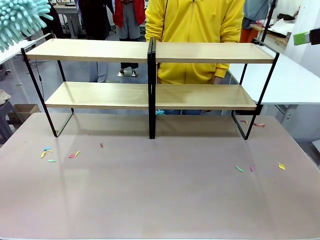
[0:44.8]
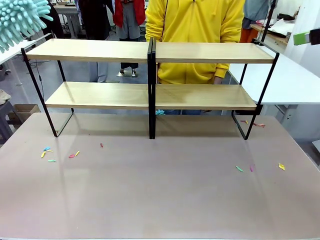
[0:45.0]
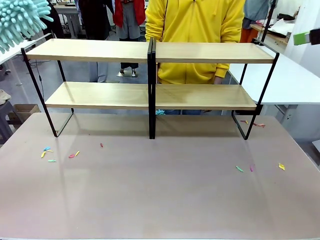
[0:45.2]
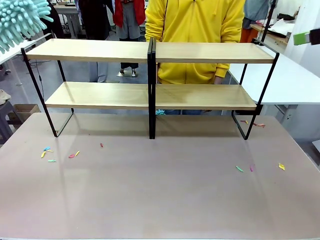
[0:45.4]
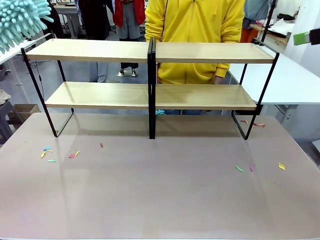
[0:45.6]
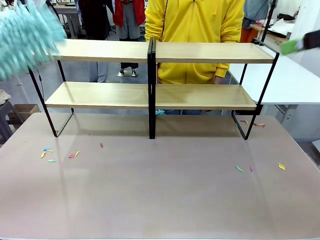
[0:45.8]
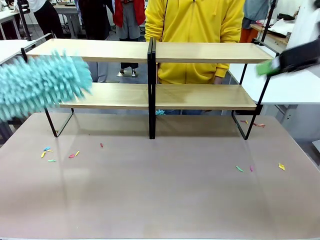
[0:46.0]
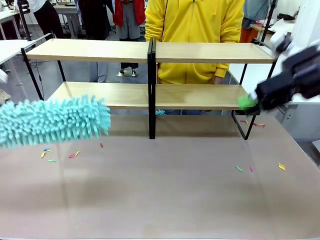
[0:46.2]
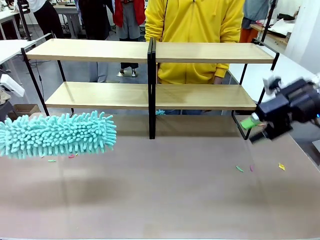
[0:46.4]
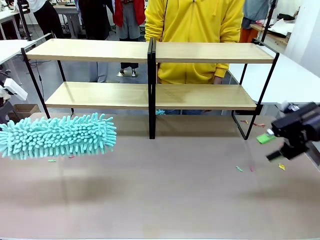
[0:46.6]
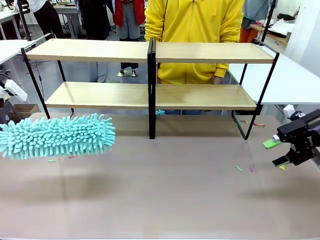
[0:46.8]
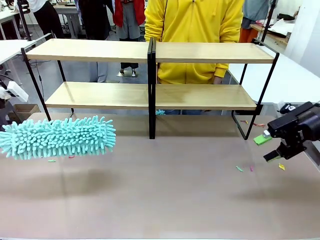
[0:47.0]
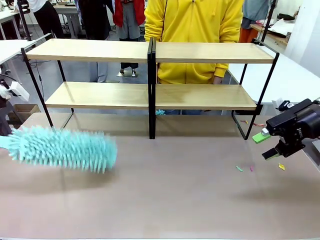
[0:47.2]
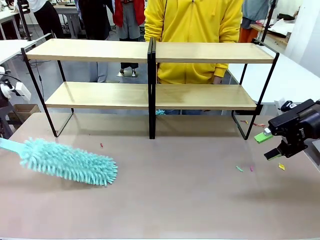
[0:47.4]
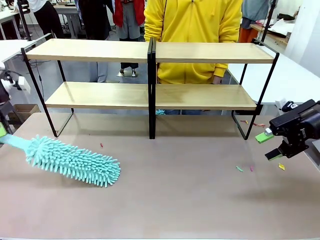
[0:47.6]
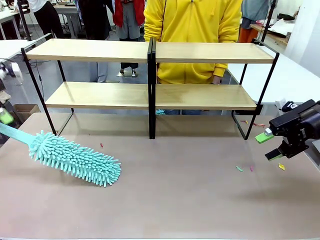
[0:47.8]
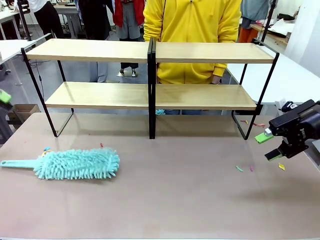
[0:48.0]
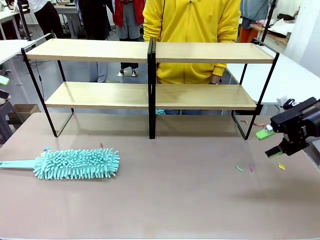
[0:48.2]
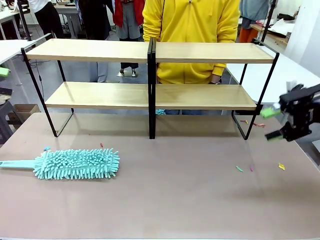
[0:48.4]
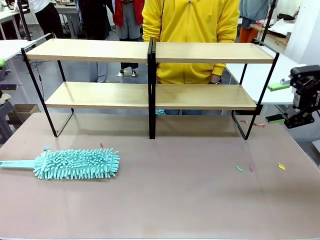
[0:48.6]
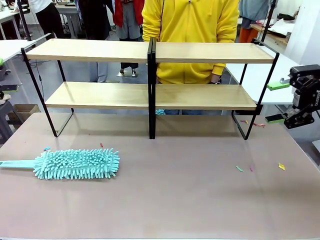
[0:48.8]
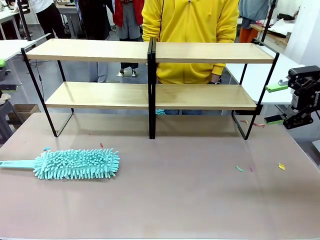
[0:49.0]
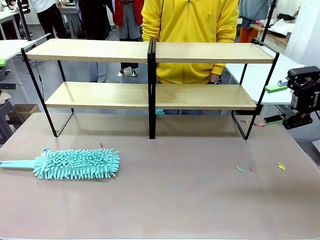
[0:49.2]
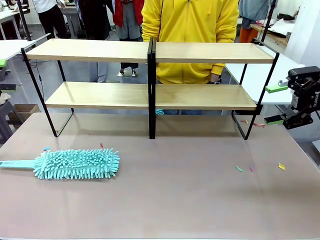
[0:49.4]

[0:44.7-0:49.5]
Task: Clean the shelves.
Robot: Place the Duster on the table.

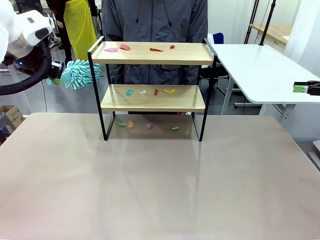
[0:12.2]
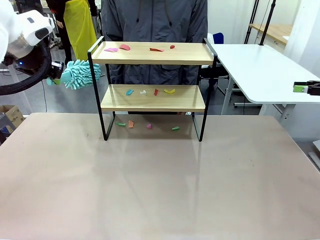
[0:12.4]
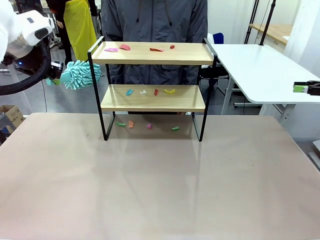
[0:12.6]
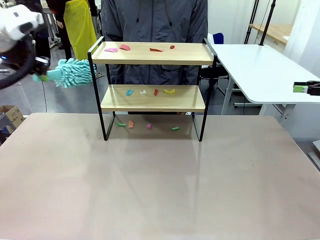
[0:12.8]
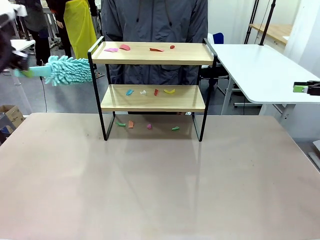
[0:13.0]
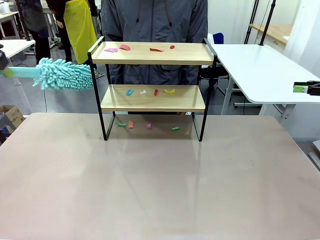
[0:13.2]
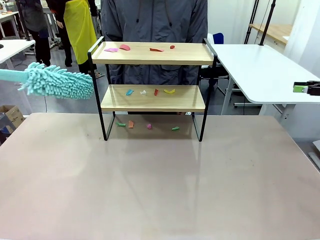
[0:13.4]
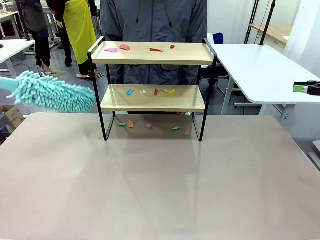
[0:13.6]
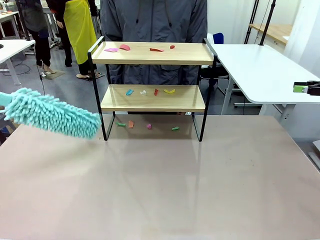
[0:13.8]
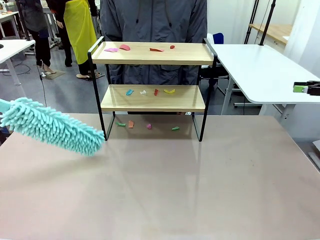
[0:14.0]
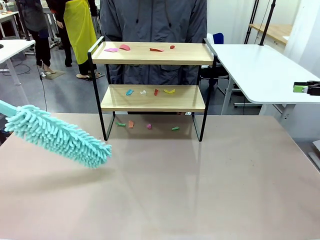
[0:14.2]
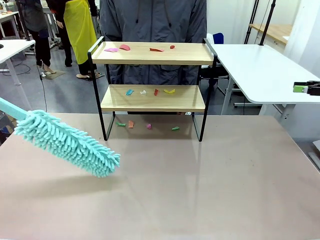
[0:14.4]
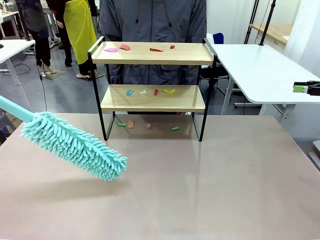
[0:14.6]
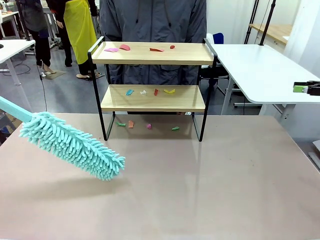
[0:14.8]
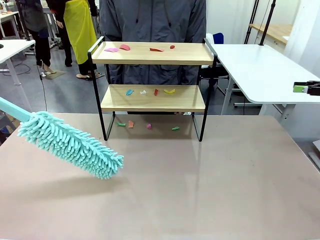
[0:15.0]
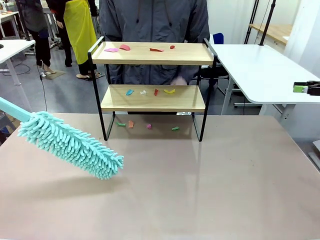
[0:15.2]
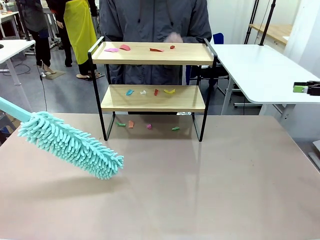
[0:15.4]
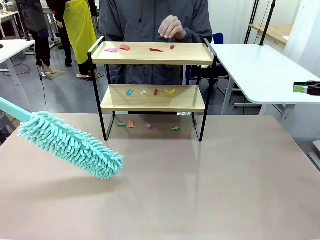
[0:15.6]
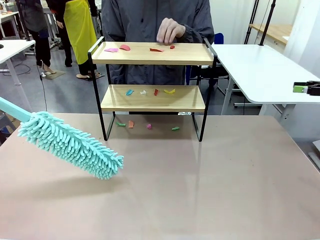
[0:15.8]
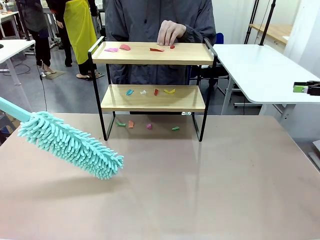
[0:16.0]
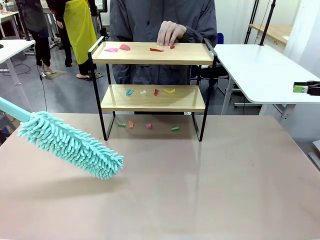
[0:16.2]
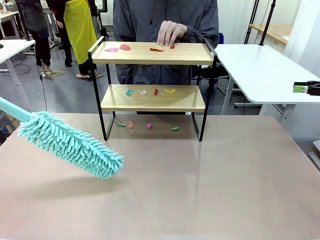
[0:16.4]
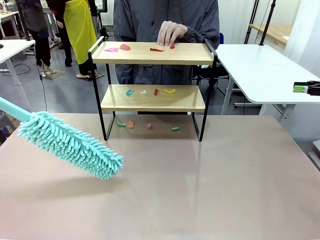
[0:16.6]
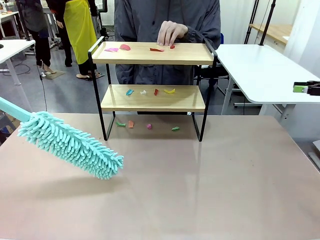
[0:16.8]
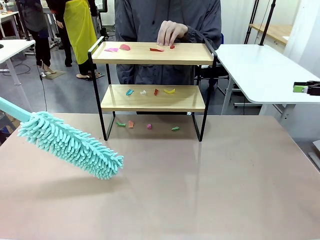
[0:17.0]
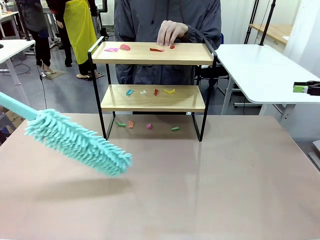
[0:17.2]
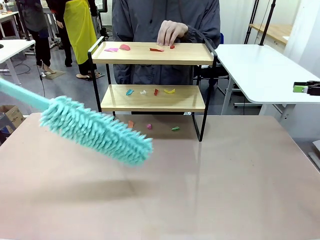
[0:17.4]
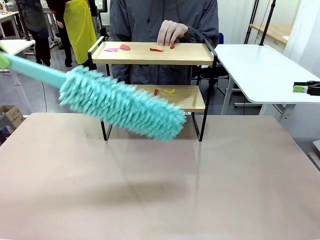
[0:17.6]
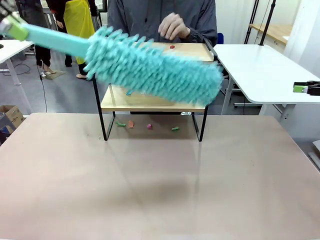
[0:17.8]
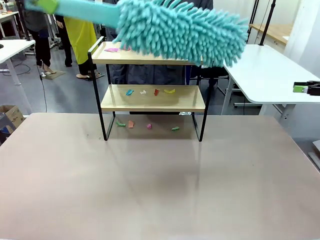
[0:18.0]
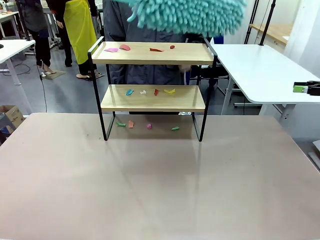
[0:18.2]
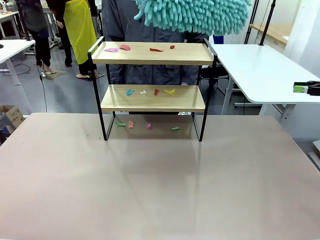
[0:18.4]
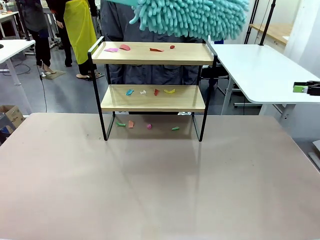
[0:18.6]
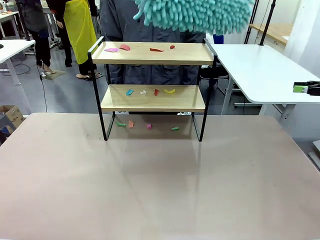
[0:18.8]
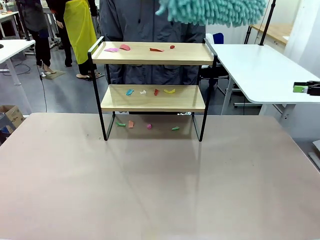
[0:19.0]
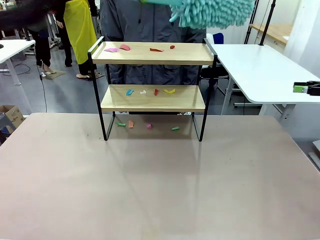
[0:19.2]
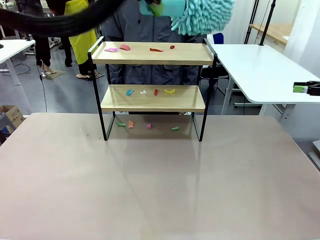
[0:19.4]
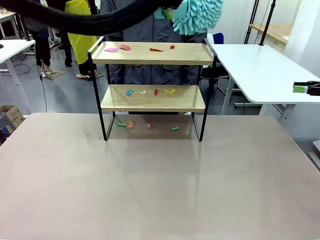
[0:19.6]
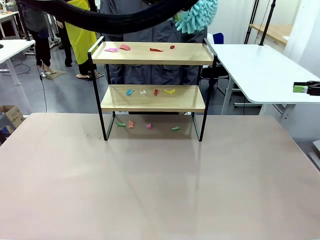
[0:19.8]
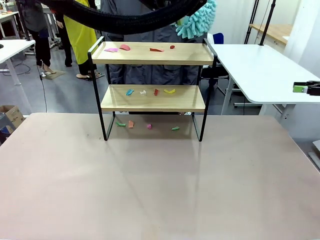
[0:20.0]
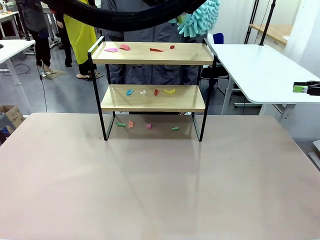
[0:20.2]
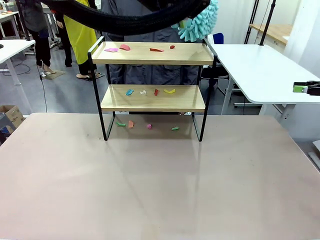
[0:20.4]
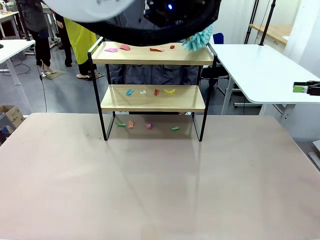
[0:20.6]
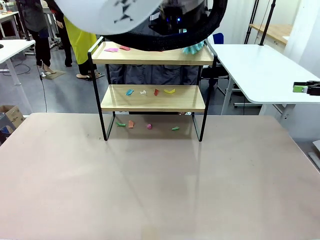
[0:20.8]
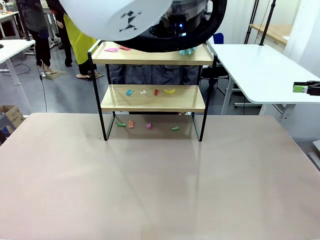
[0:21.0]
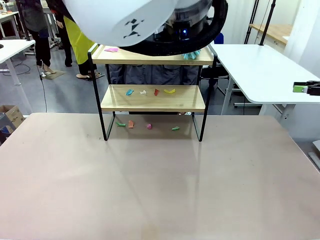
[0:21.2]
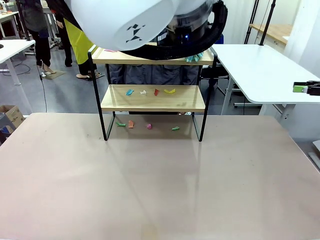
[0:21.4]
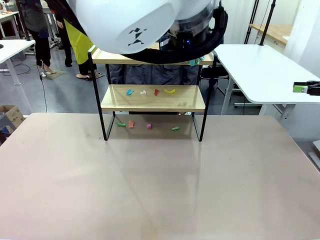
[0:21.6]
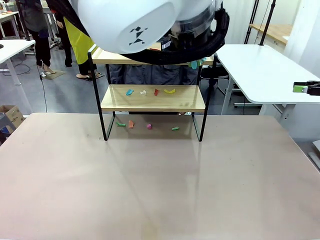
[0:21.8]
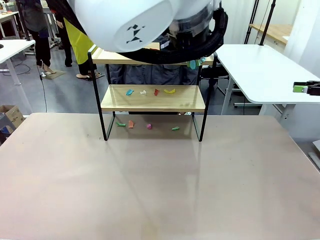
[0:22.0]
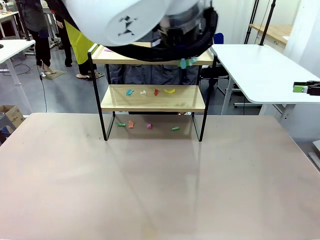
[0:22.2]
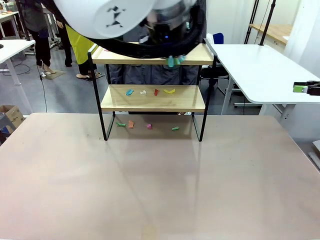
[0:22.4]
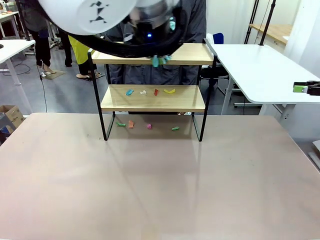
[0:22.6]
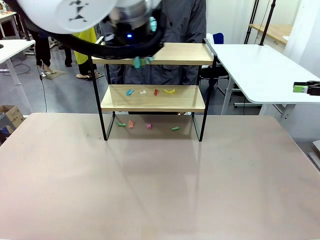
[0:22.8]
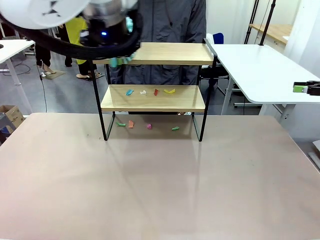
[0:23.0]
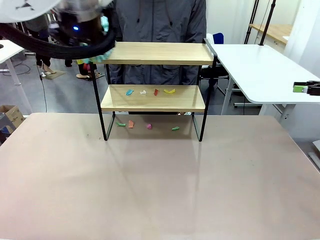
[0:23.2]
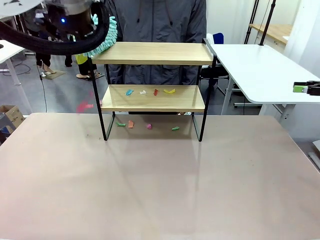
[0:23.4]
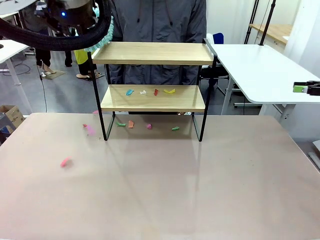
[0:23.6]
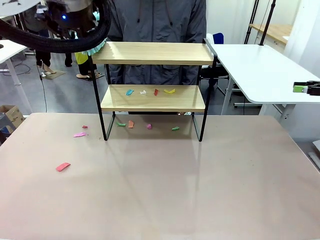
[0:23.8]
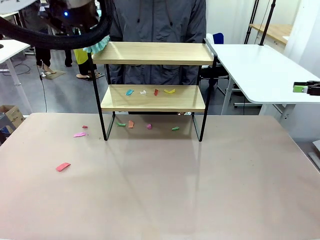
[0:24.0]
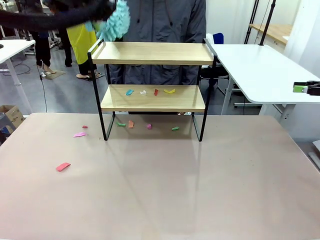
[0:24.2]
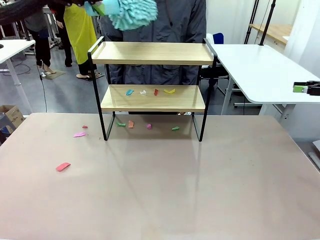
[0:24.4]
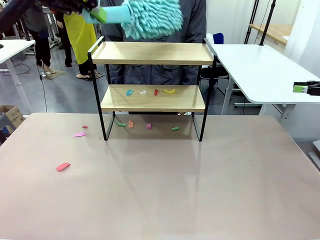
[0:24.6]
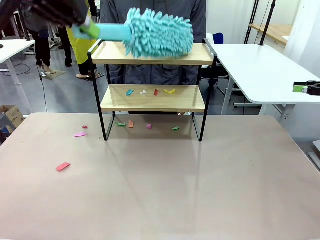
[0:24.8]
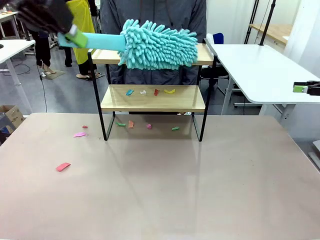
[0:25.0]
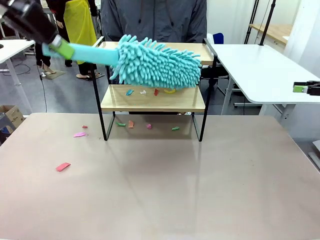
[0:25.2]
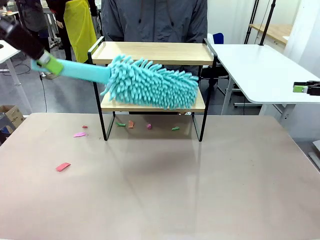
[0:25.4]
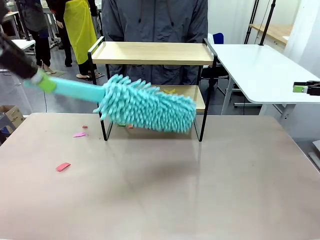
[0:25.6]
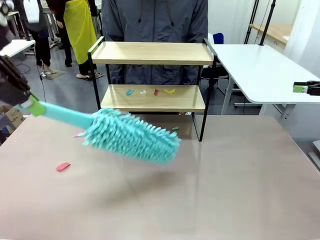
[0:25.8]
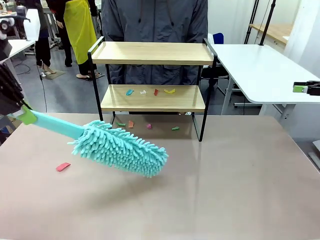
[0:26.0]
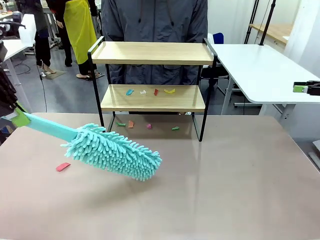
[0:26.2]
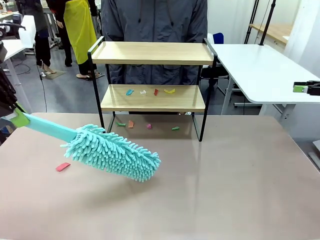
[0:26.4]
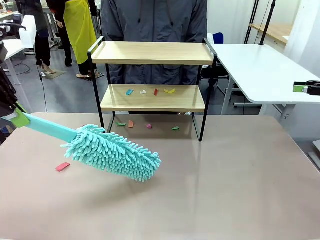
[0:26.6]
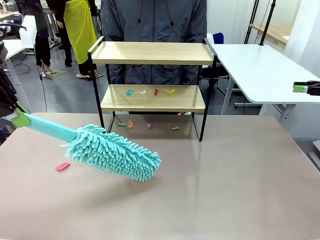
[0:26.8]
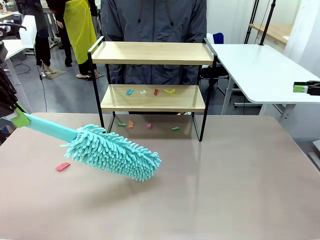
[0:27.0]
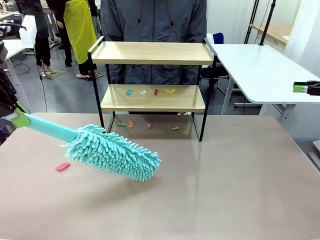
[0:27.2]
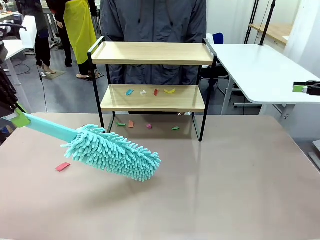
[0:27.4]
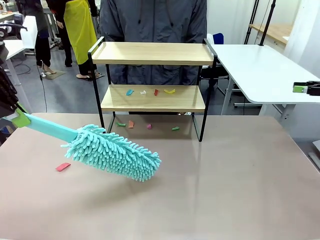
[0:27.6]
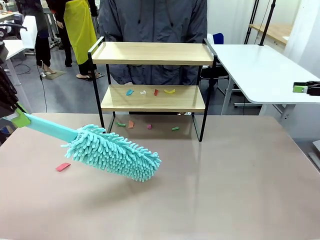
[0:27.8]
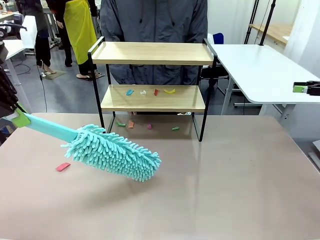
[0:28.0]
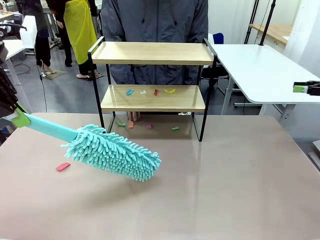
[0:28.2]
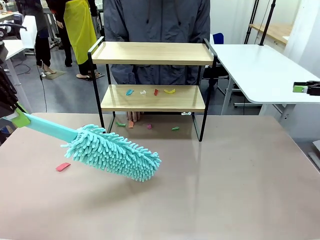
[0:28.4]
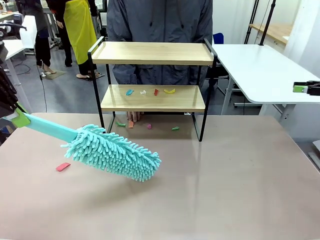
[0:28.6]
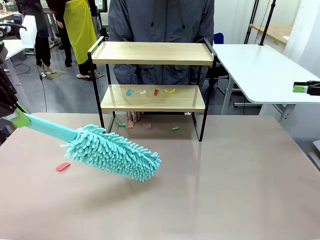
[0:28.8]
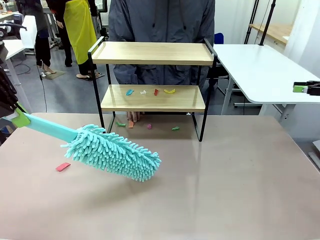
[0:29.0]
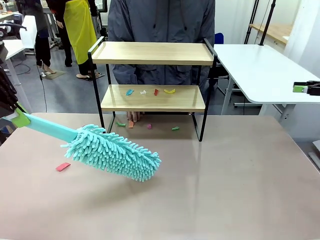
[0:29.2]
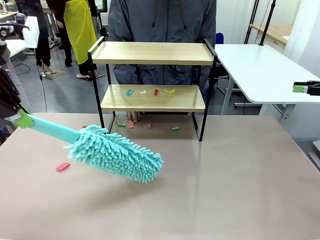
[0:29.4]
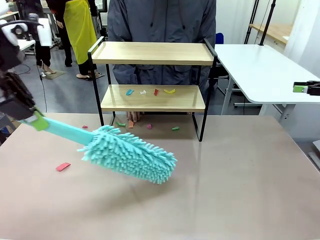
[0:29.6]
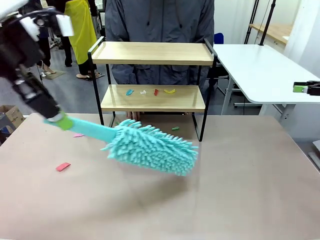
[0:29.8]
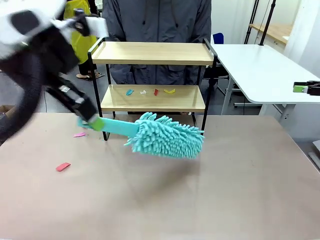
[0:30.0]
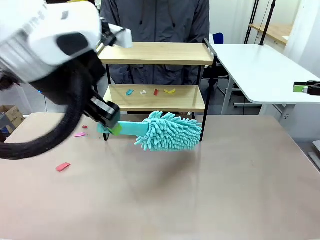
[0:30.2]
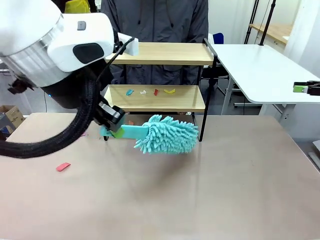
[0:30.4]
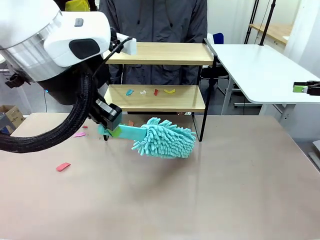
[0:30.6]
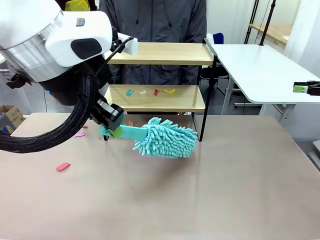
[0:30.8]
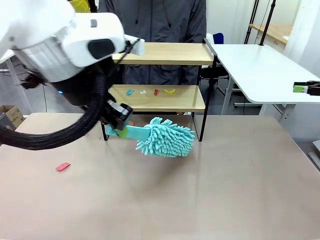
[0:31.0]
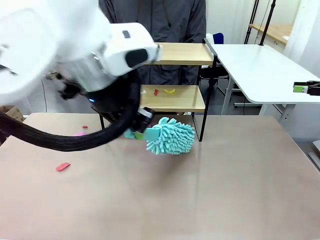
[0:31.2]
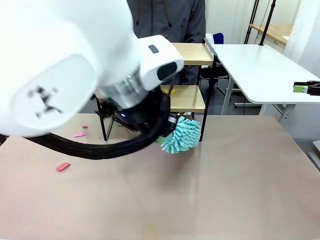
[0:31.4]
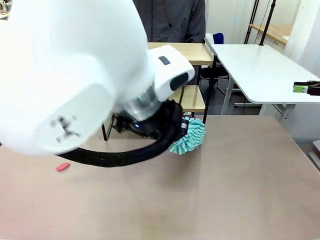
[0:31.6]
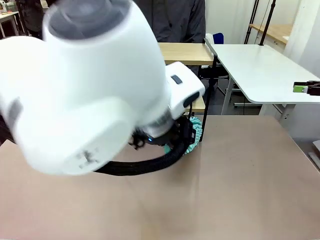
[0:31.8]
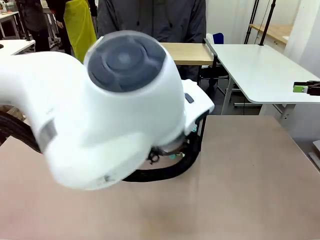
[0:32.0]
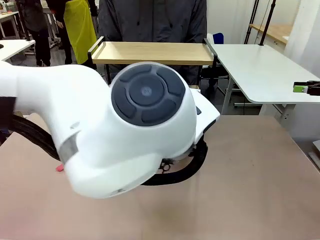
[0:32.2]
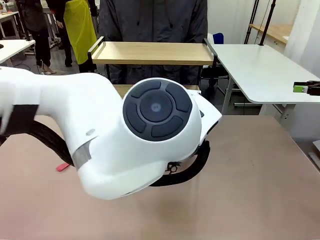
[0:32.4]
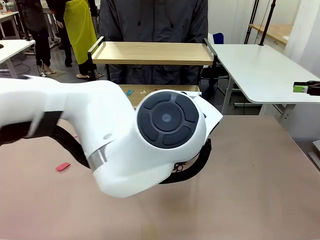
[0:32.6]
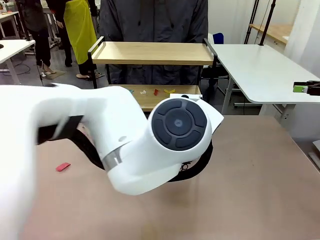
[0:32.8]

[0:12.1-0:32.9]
Task: Clean the shelf.
Robot: Clean the specific section of the Shelf indicated by the human with the Duster.
Person: Point a random section of the Shelf.
